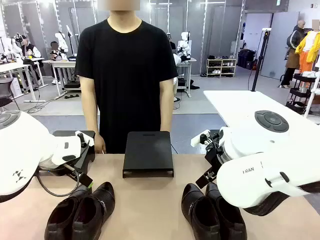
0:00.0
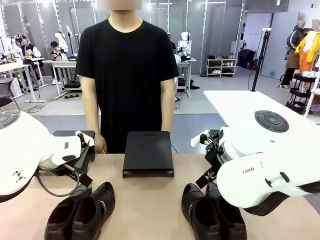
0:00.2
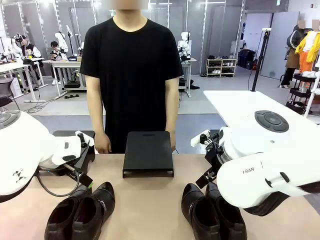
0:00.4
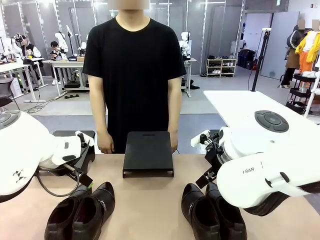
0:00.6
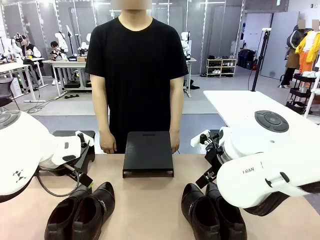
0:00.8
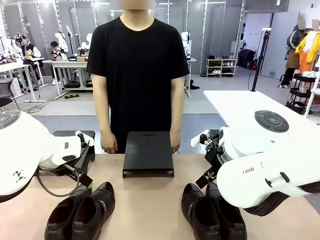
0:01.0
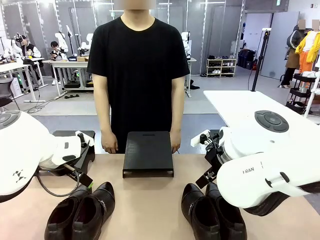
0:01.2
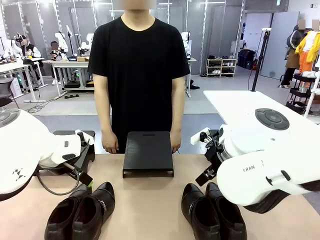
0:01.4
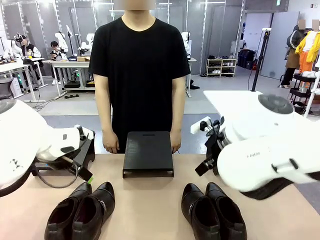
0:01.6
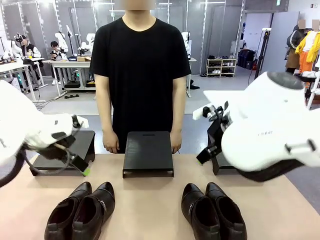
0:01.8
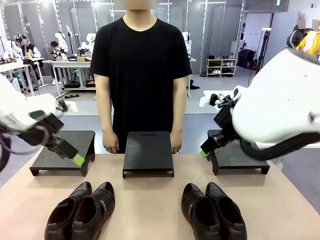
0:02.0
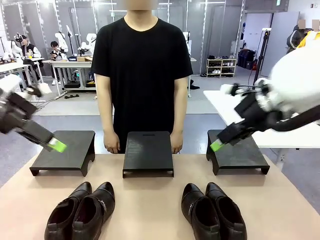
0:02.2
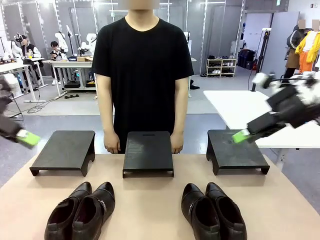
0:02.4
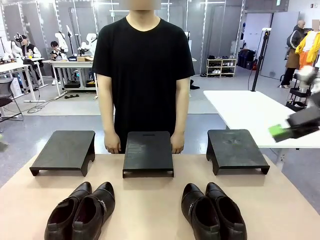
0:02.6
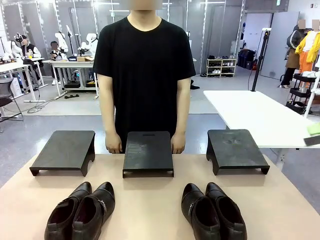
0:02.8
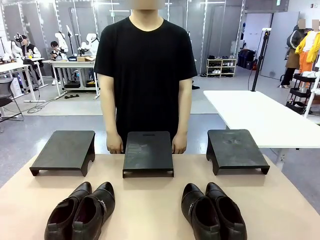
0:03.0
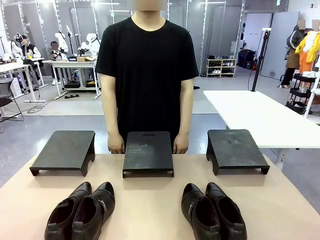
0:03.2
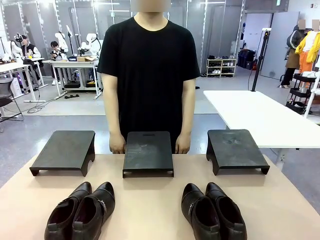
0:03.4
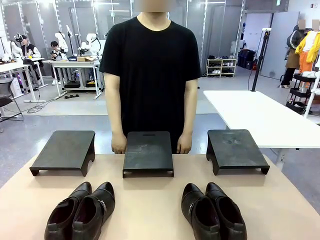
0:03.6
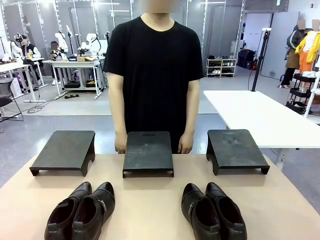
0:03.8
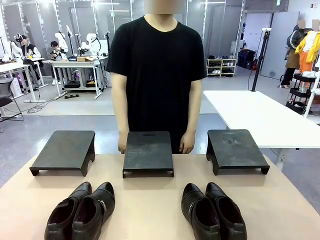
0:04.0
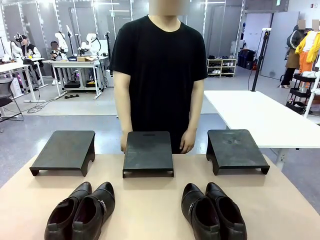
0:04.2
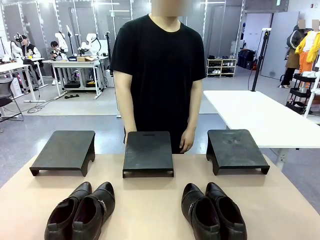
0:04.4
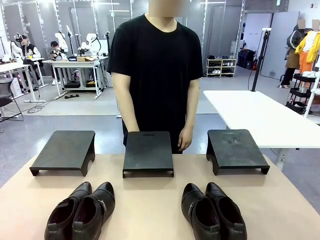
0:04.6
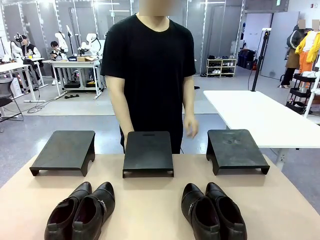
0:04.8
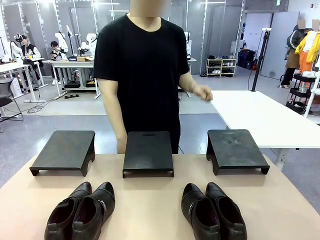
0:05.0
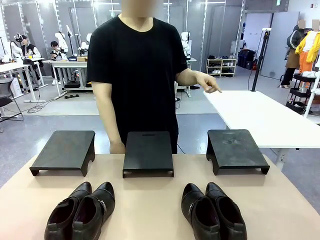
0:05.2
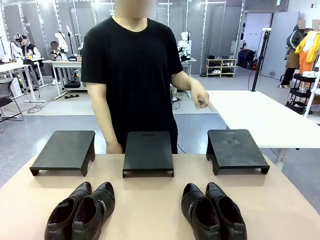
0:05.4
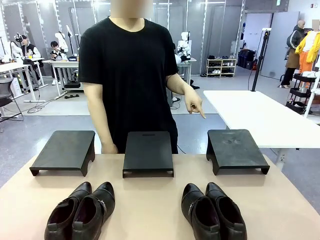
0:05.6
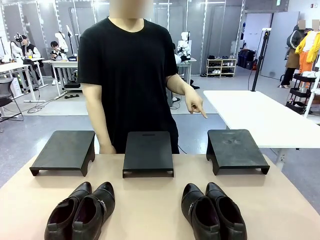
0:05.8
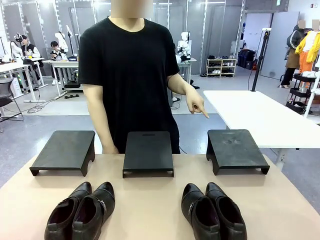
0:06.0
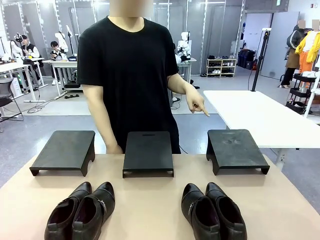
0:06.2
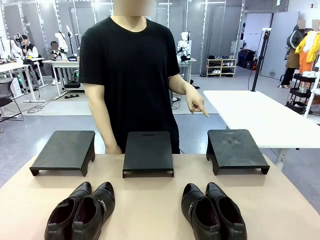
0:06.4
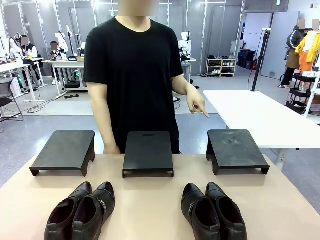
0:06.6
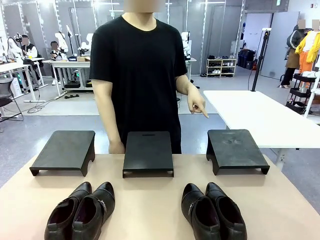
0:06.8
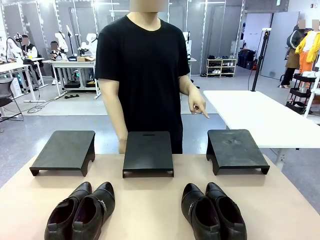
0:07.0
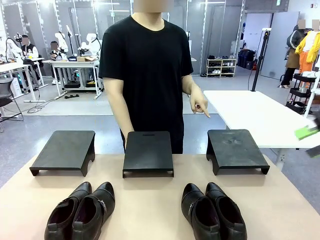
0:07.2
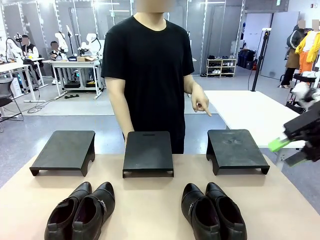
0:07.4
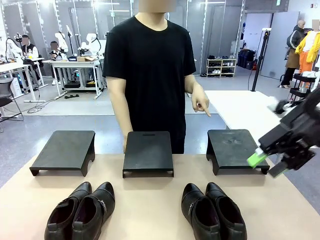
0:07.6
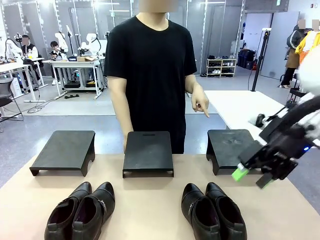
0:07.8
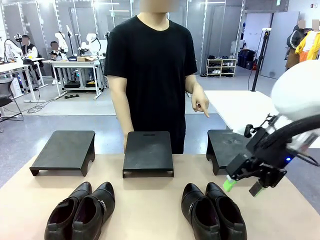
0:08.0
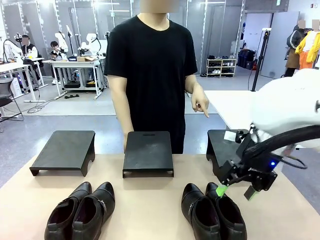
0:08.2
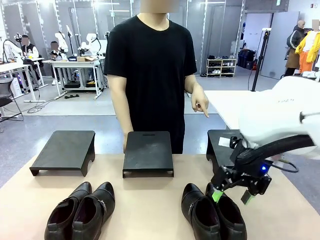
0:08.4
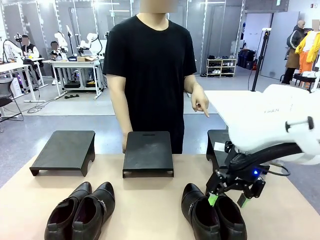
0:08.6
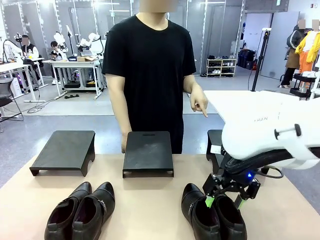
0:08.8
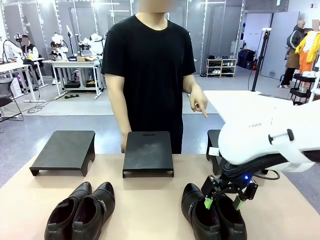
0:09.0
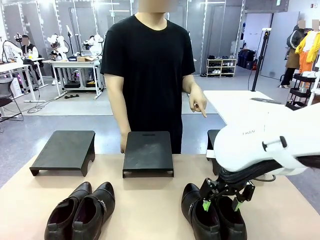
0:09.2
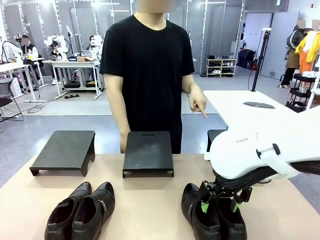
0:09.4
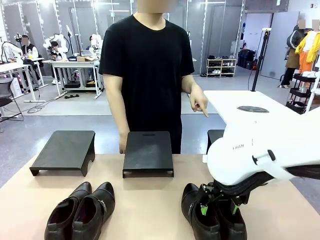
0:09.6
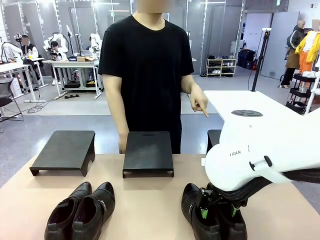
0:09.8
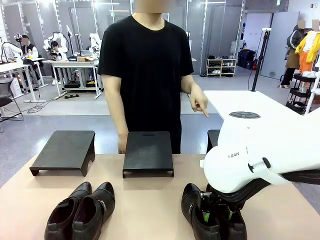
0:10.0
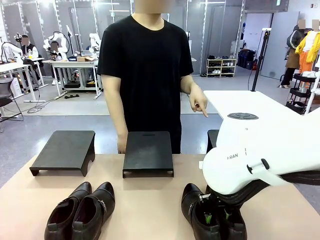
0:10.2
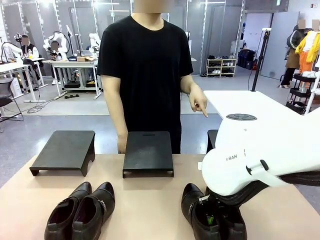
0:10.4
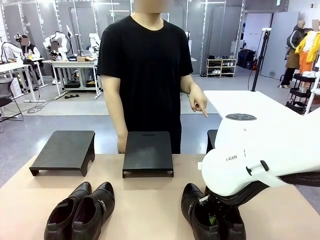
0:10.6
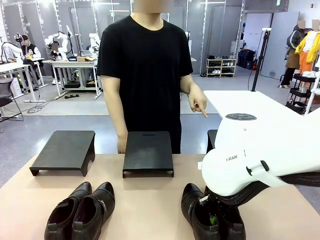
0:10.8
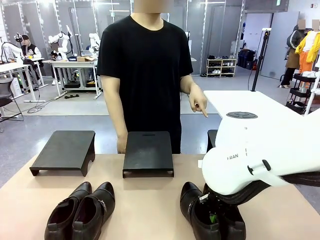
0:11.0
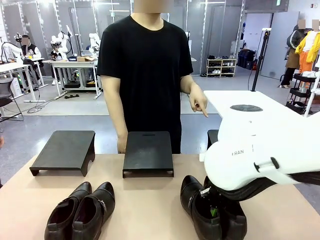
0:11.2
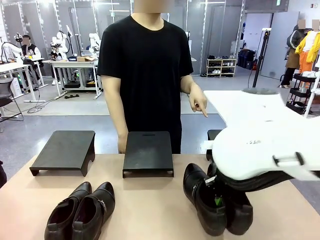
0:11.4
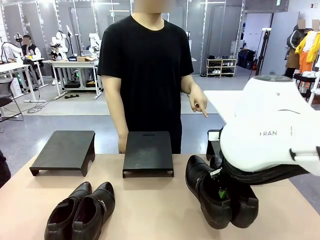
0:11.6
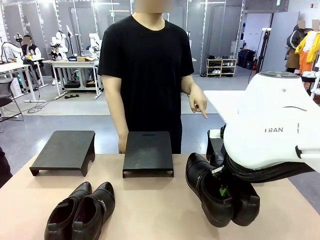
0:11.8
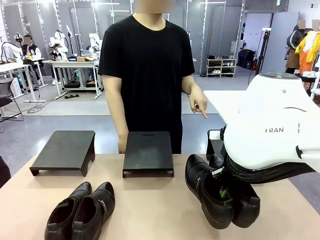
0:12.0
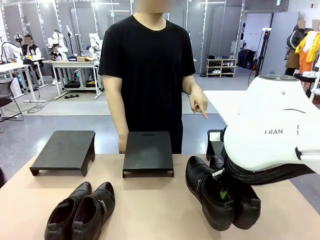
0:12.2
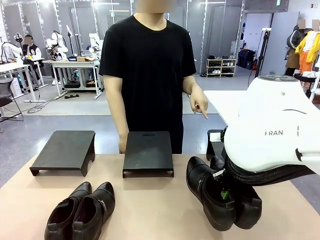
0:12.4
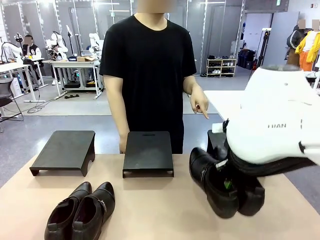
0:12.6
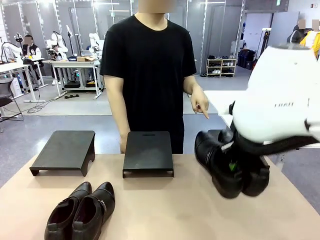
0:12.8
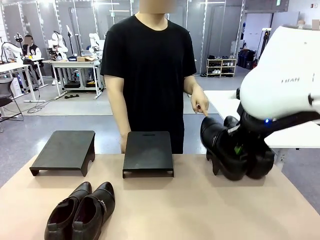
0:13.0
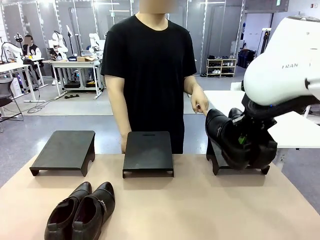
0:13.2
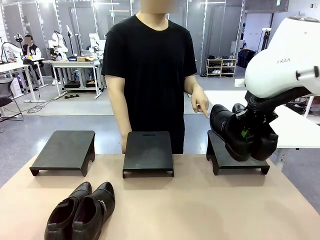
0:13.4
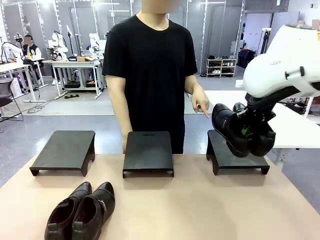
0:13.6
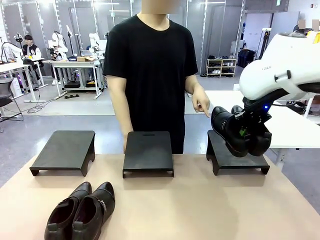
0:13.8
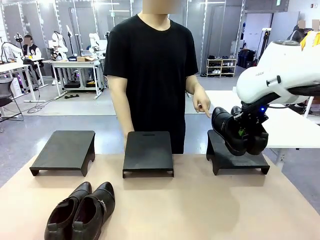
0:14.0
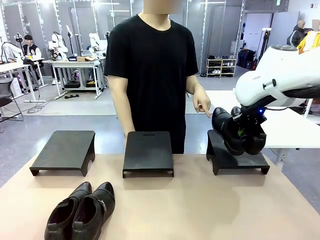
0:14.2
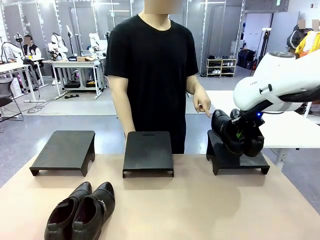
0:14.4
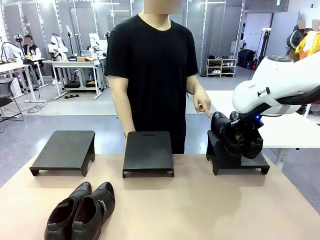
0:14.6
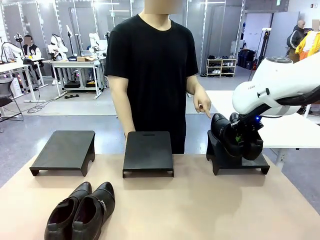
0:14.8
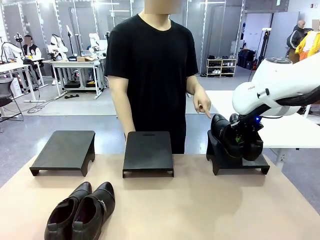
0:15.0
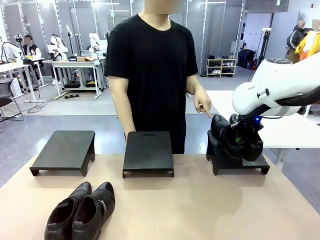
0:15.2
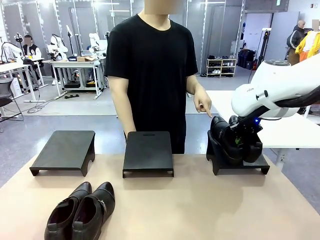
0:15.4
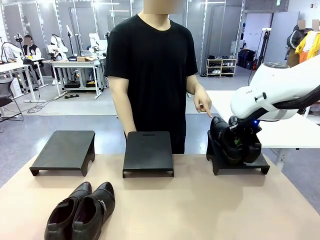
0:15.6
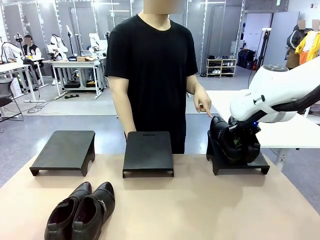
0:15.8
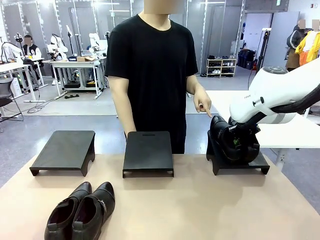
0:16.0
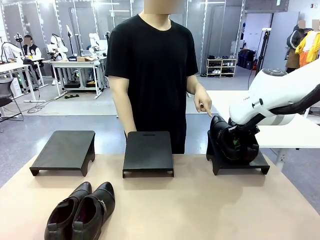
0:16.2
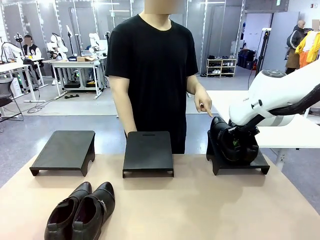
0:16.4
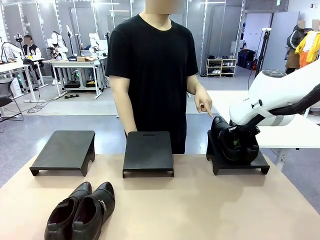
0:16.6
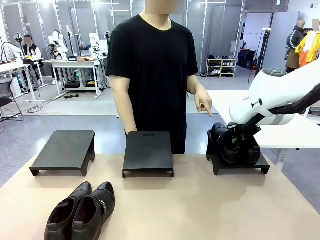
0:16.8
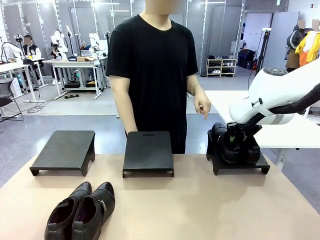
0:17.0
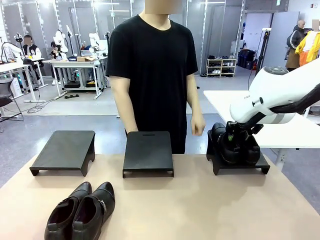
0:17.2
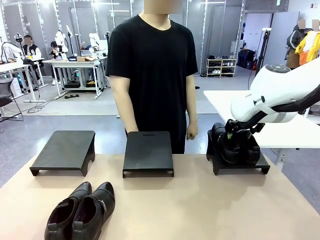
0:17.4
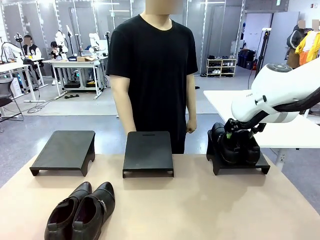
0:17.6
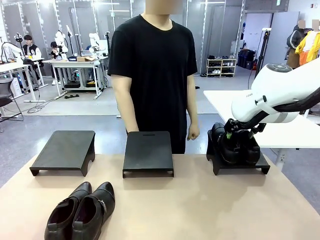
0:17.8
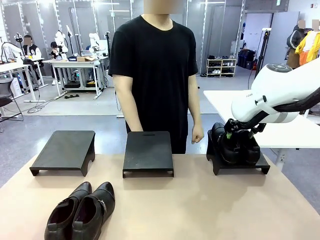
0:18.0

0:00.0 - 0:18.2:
Task: Place the shoes on the stand as instructed by the person.
Robot: Pick up one pair of Shoes and place it on the Shoes Stand indicated by the person.
